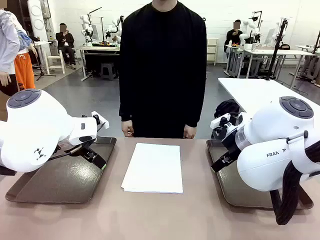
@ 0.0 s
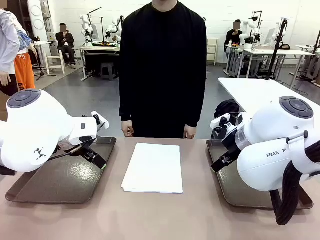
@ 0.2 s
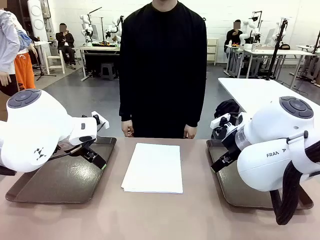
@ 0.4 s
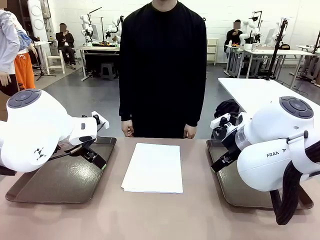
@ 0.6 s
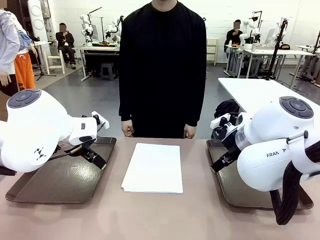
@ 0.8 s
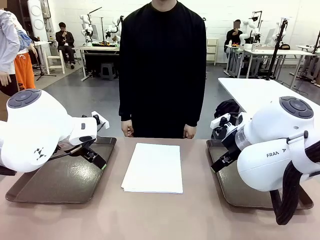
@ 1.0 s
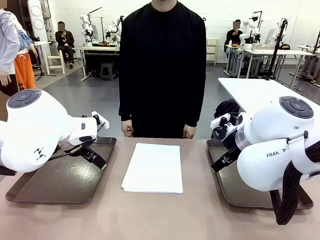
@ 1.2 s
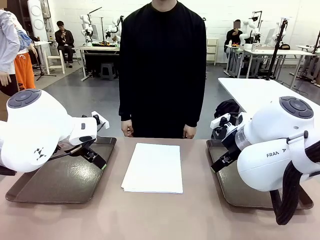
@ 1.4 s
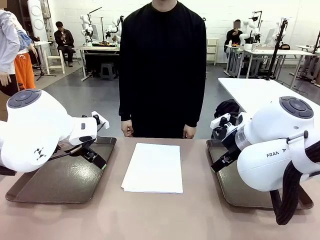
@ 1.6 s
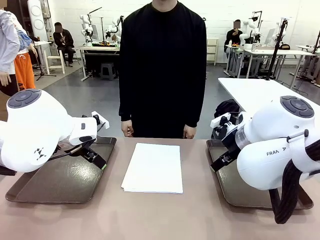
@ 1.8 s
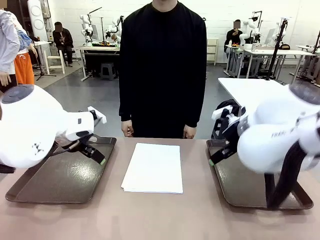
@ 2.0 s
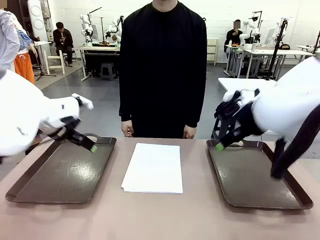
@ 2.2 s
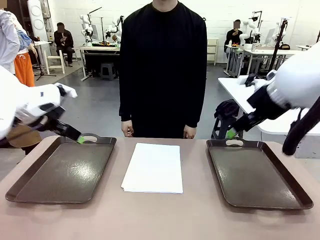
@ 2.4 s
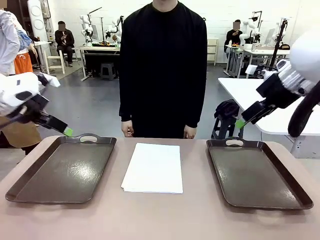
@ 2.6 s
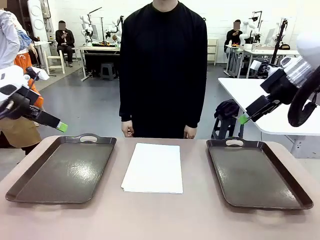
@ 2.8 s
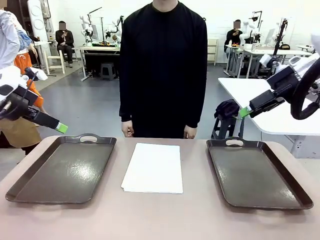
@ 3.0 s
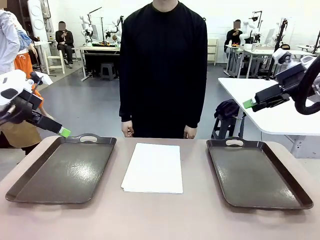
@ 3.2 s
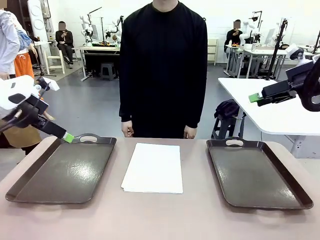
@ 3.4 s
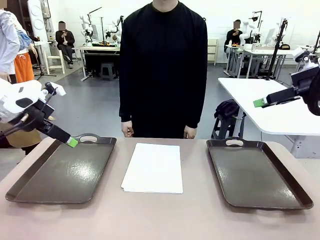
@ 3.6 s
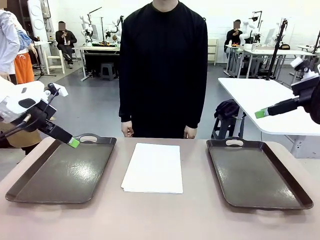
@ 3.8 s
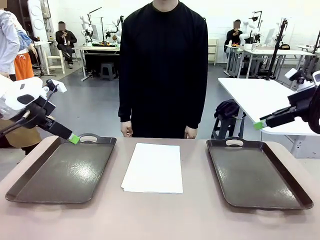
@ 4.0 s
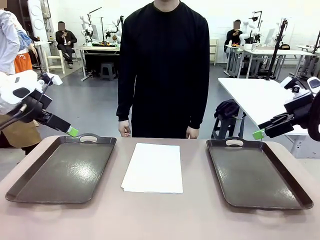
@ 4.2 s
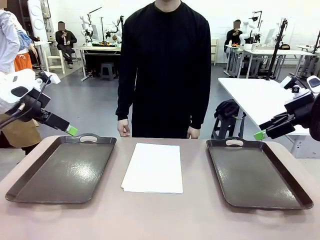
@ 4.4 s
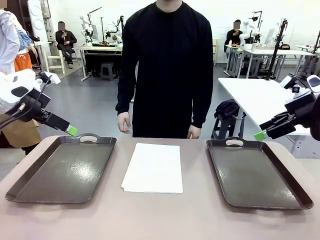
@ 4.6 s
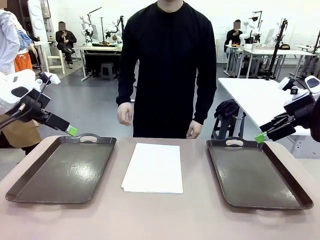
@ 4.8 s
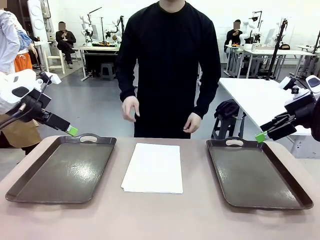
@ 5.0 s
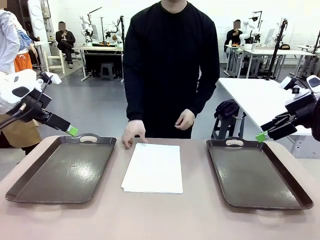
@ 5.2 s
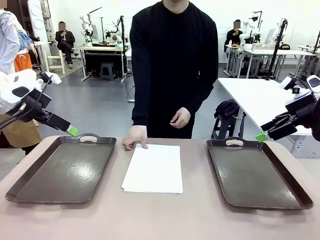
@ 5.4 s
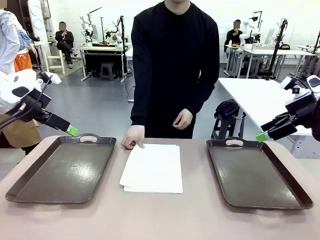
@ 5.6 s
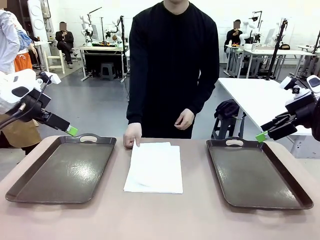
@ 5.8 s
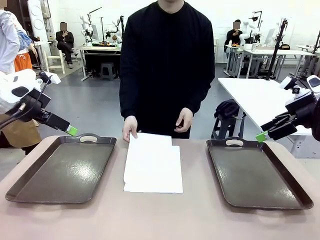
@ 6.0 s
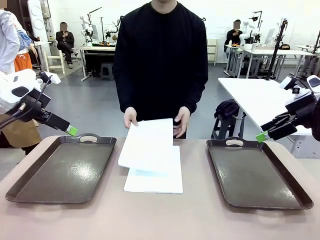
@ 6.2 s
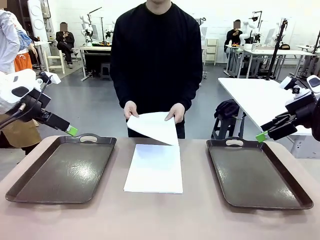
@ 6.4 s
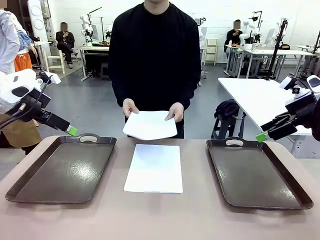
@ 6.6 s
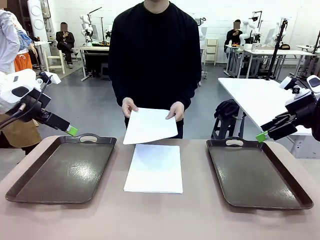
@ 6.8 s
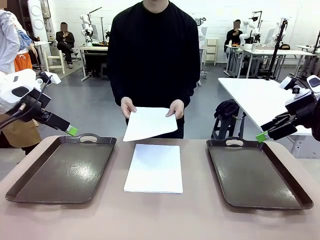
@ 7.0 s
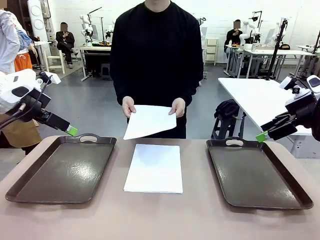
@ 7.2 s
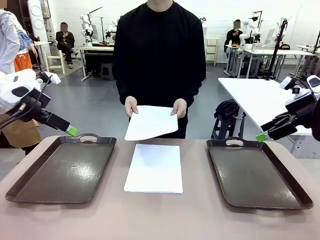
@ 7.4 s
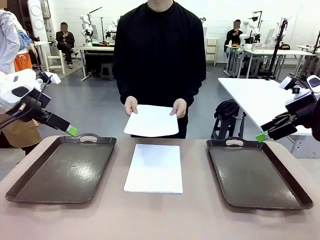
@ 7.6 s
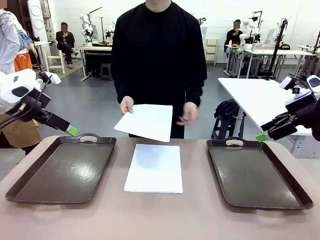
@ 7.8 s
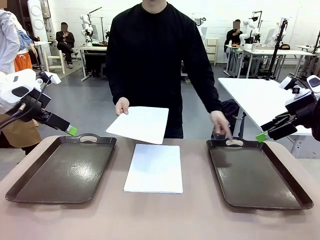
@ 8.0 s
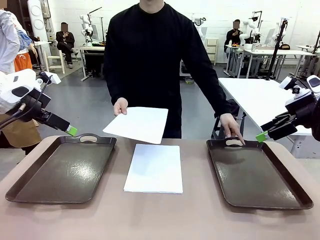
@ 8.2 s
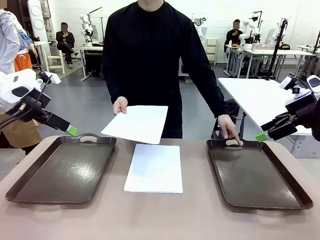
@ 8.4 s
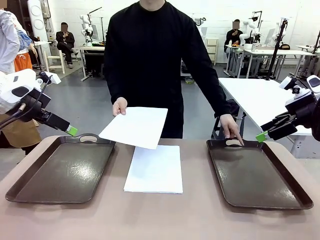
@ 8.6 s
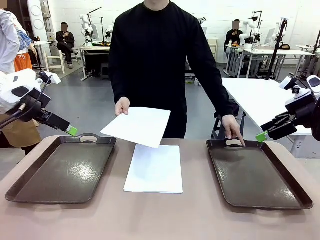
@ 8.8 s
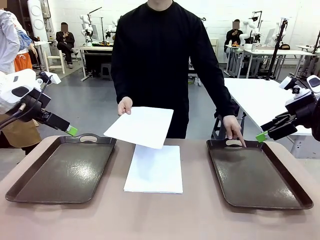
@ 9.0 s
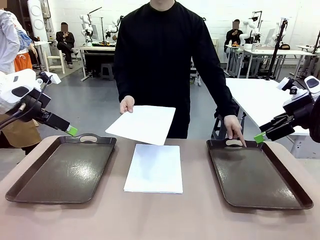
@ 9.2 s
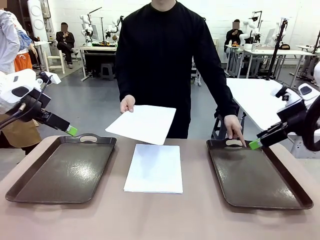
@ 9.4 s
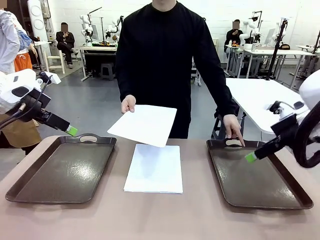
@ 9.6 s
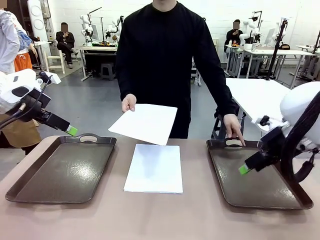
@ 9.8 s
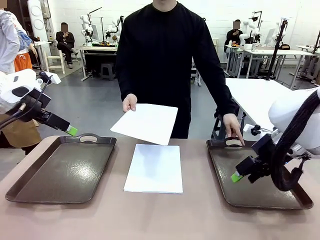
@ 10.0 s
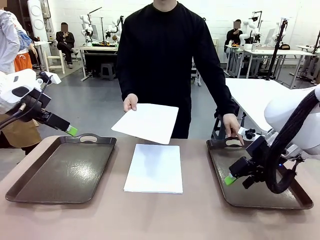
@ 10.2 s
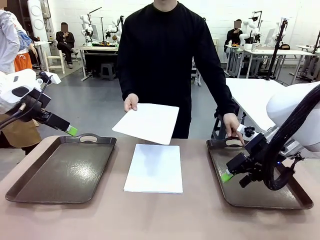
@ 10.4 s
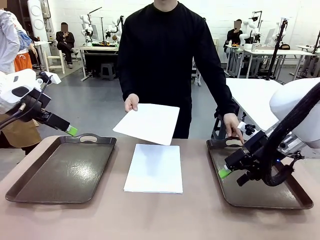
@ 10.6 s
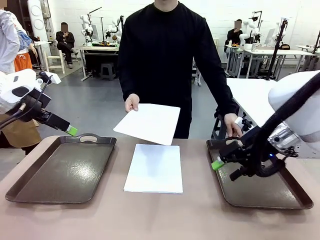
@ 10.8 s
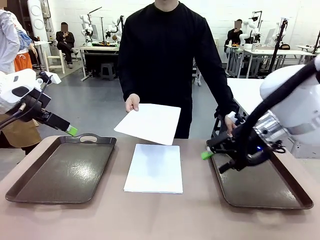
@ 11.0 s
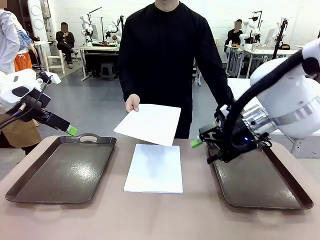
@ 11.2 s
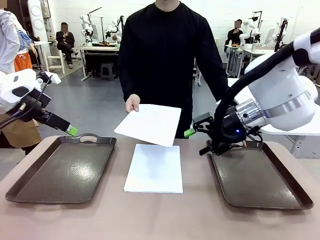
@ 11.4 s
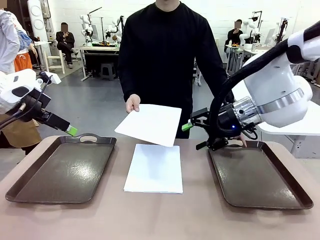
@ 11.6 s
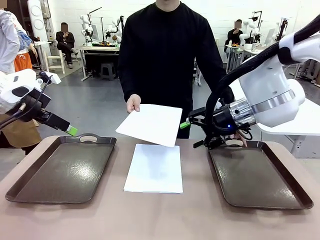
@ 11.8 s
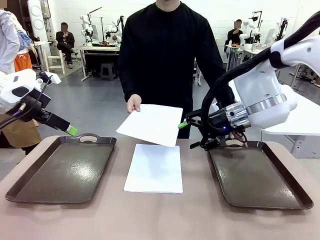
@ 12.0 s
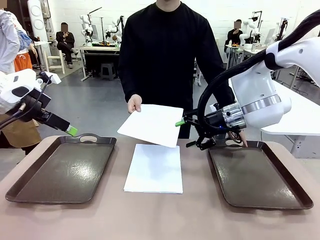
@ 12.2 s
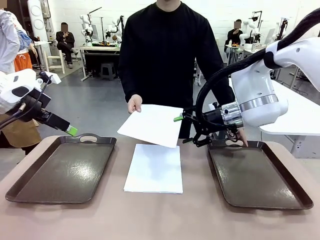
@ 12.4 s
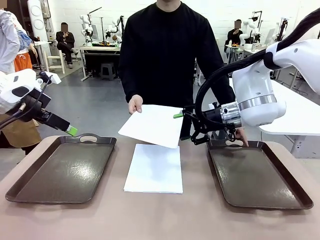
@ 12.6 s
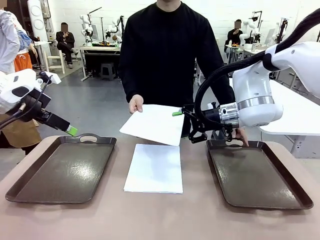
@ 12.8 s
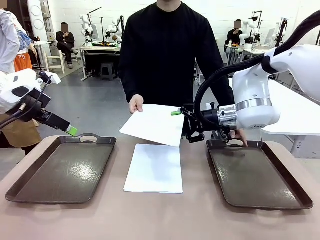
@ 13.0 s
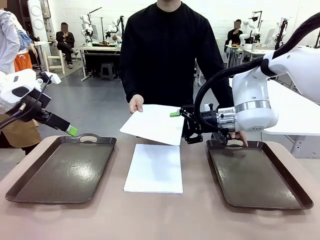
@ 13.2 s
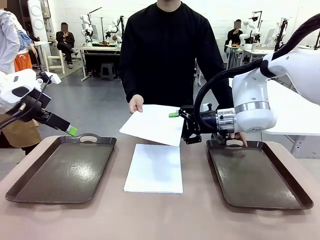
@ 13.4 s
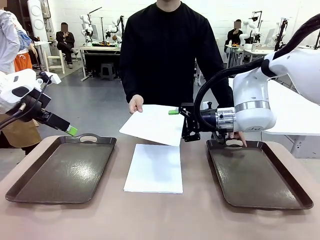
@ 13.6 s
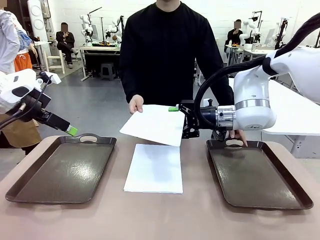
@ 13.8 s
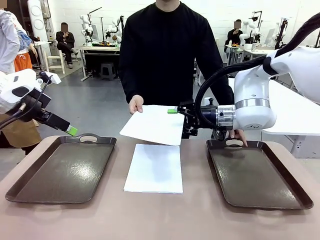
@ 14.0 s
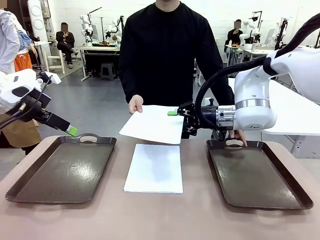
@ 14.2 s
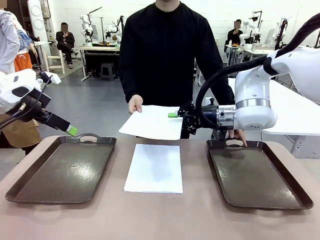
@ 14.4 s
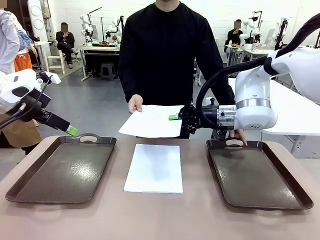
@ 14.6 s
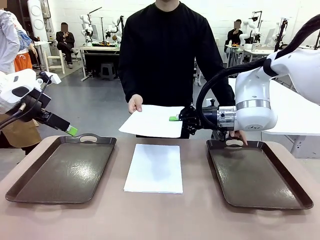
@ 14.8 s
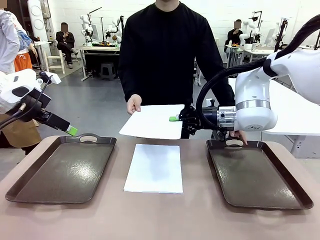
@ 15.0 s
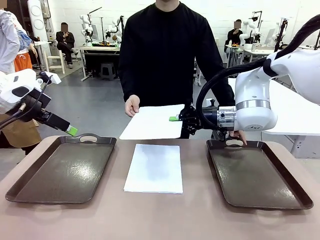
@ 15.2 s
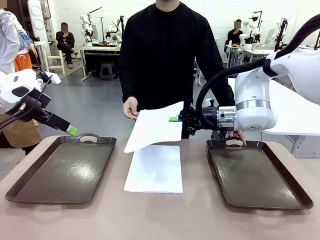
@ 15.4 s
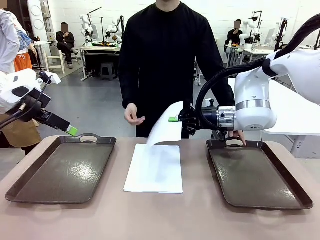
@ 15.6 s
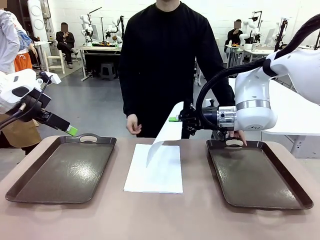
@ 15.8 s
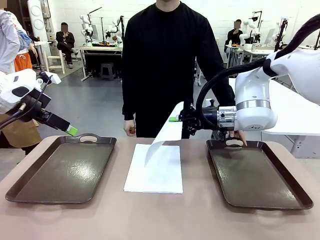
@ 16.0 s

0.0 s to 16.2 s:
Task: Sort the A4 documents.
Robot: Receive the A4 Paper.
Person: Pick up a sheet of paper from the center of the table and hand it to the robot. Point the randomly selected tray with the other hand.

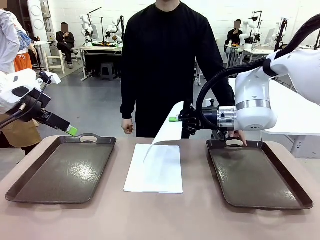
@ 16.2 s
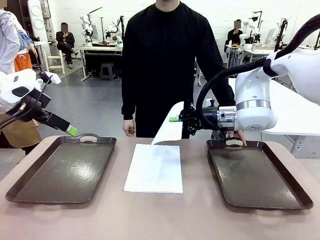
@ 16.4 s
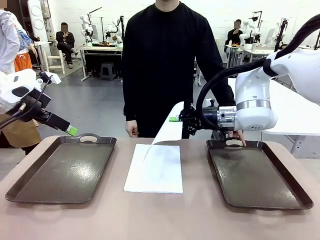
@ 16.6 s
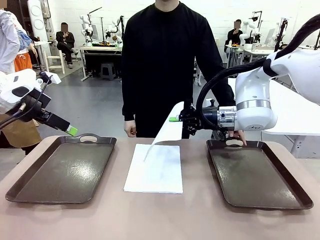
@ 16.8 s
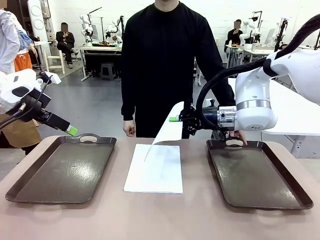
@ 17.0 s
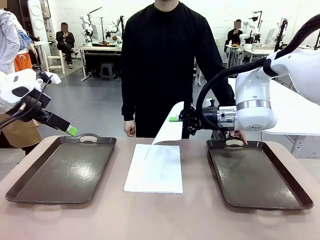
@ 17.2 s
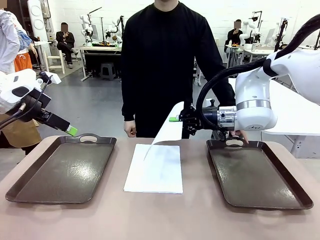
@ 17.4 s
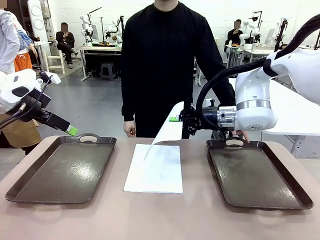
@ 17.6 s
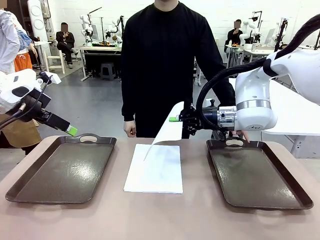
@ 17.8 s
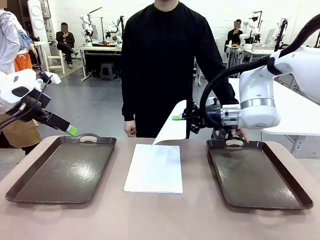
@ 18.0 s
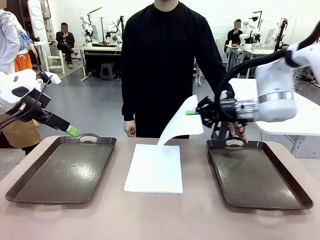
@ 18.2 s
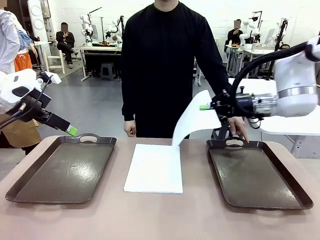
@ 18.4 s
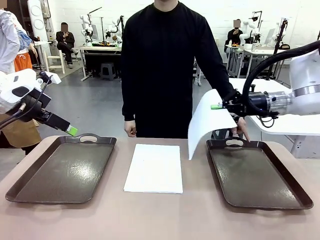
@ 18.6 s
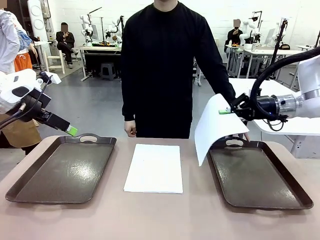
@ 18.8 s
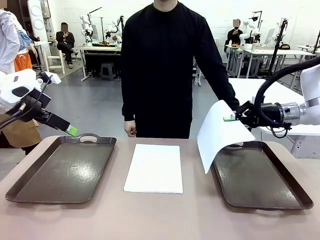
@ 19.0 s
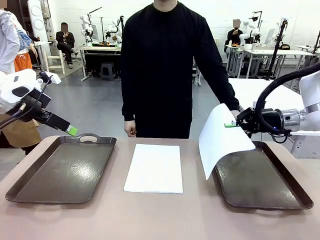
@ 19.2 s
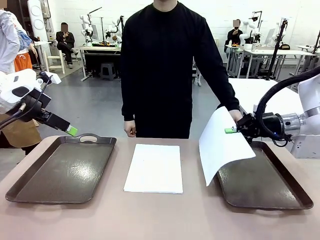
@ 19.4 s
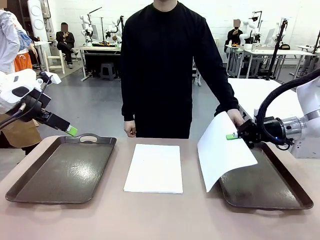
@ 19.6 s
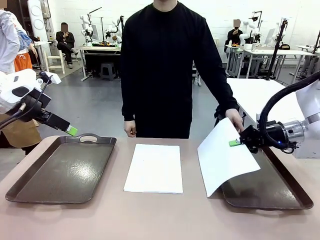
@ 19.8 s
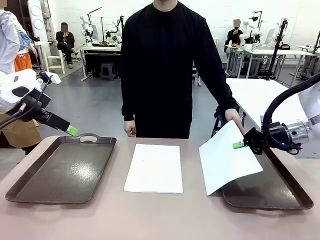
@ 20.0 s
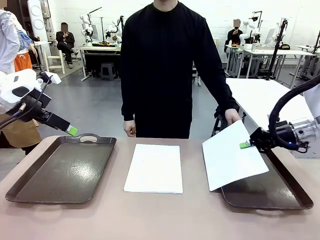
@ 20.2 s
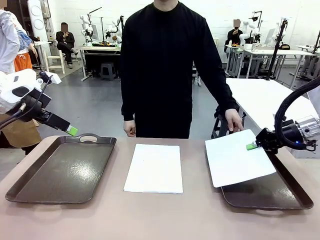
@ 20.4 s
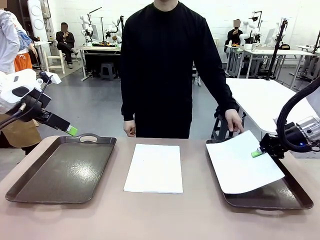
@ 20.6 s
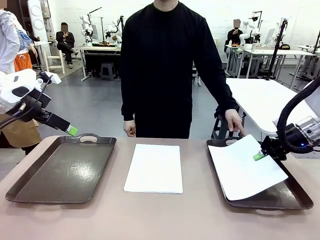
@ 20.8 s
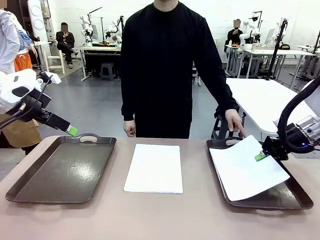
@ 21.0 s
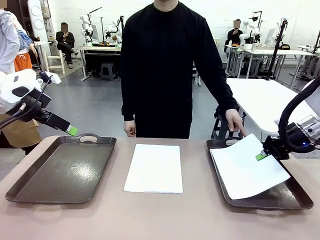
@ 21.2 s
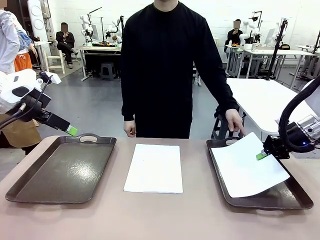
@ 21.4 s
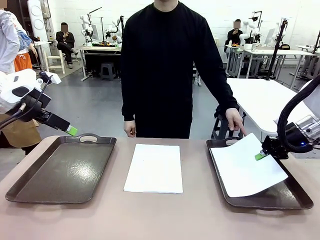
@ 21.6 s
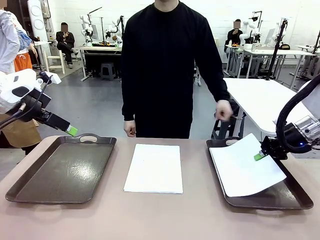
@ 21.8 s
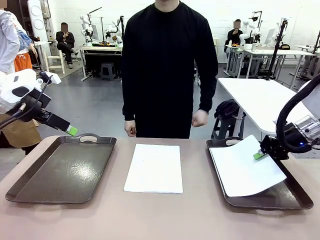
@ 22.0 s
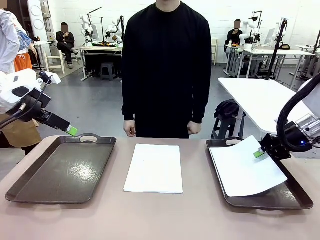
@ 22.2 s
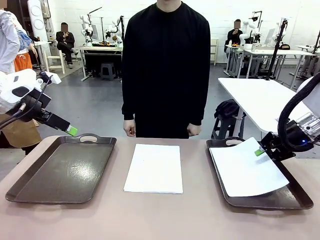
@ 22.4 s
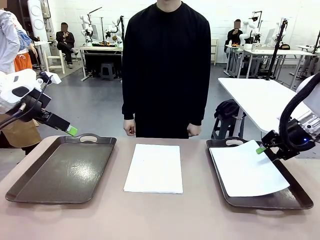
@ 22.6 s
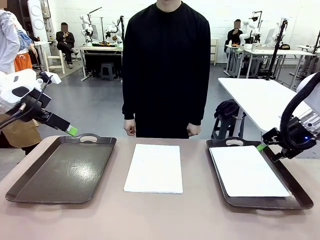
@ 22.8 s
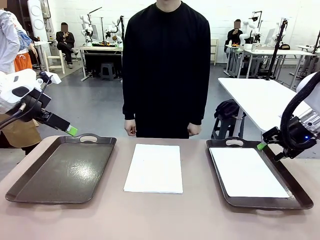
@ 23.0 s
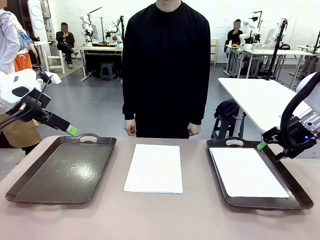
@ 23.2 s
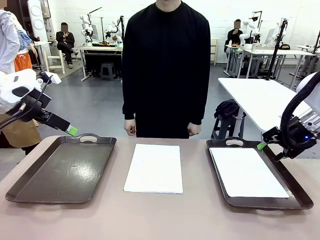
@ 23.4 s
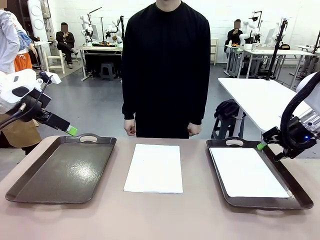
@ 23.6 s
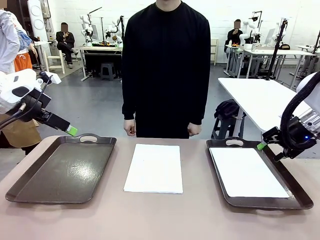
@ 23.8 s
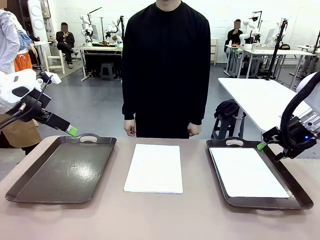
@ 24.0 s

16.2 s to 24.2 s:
Robot: Place the A4 Paper in the designated Handle tray.
